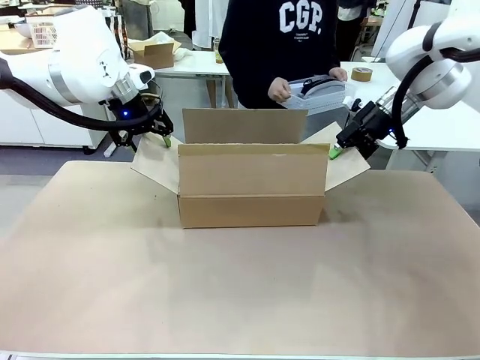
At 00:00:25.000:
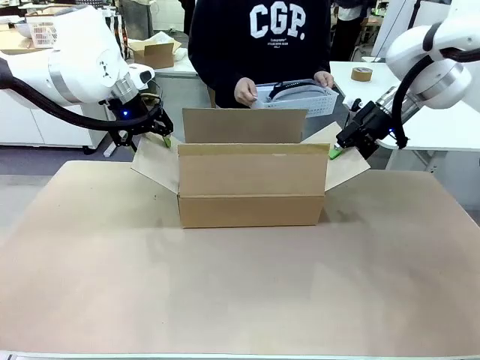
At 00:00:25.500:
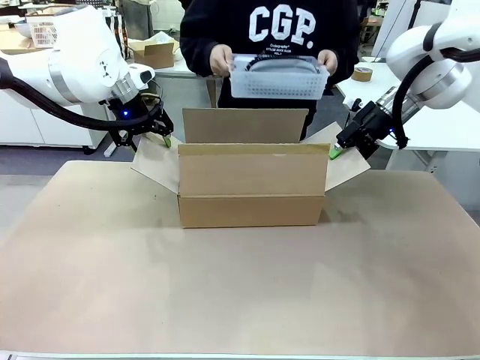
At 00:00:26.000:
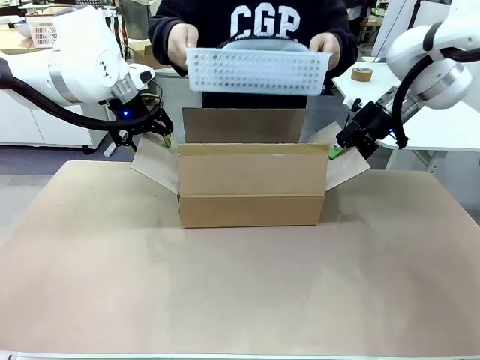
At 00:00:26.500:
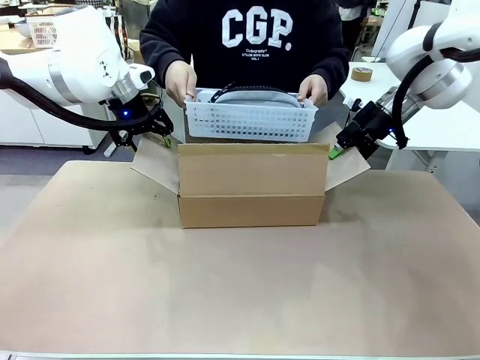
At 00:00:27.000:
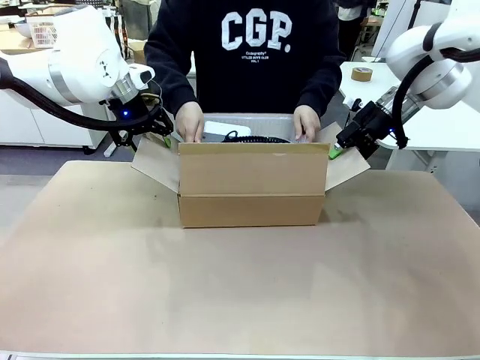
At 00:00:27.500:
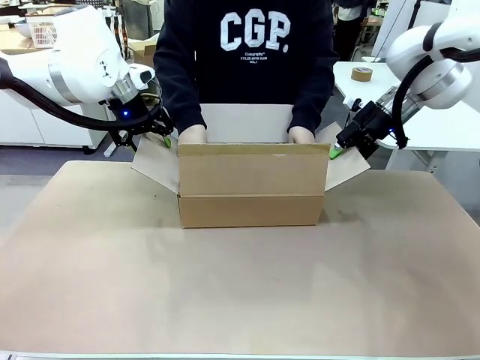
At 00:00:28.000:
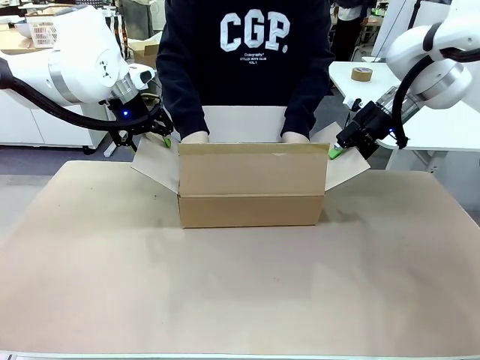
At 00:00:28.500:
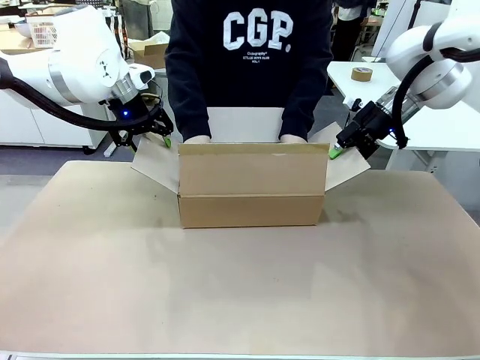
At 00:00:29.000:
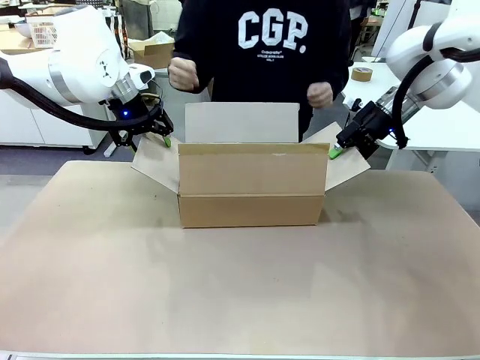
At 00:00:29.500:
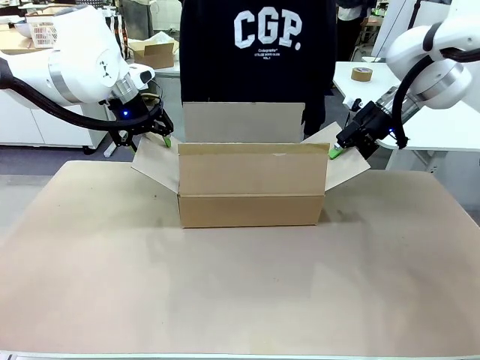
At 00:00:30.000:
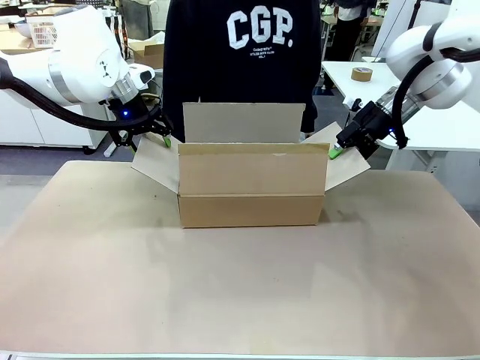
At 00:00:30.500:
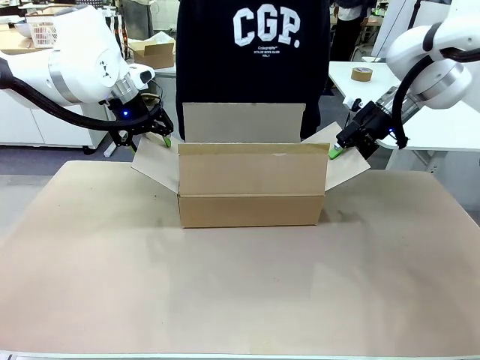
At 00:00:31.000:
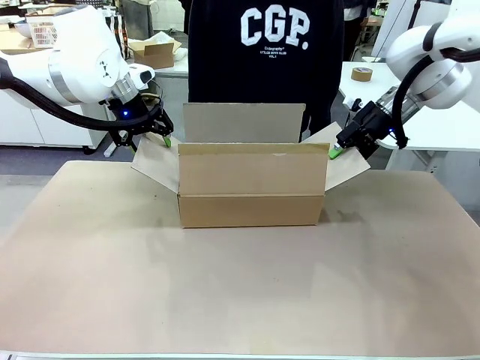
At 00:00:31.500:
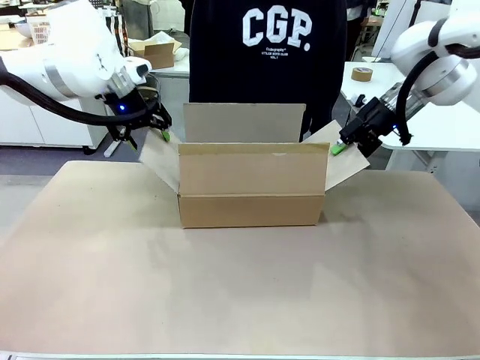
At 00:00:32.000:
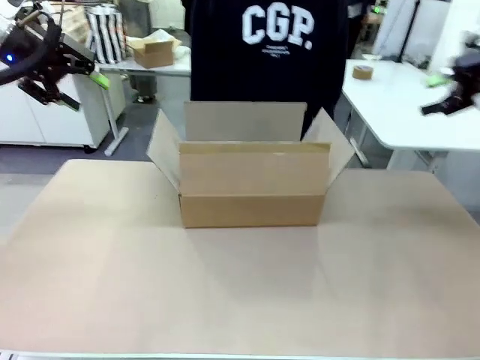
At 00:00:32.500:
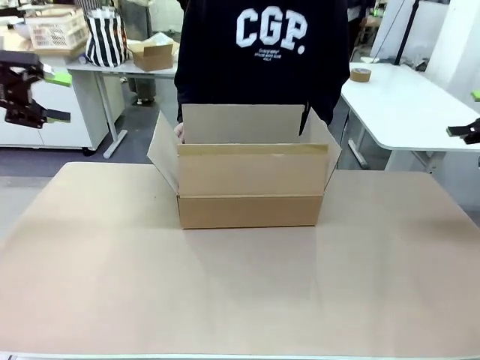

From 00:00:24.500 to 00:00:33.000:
Task: Pack the gift set into the box.
Robot: Lift both hands away from the flaps of the Package Box.
Person: The human picks up the organizing basket and places the organizing basket into the package box on the robot table.

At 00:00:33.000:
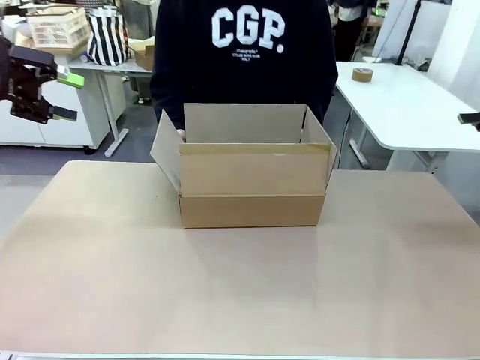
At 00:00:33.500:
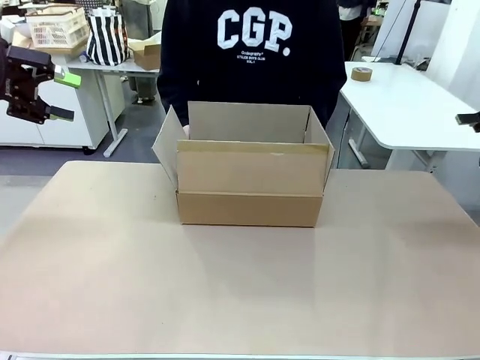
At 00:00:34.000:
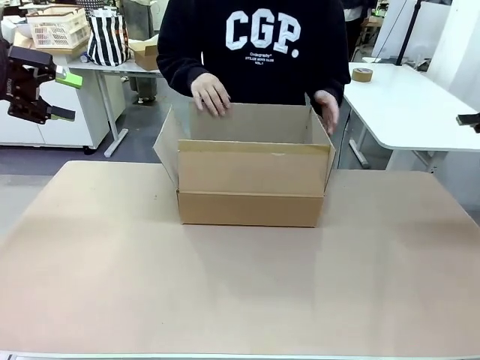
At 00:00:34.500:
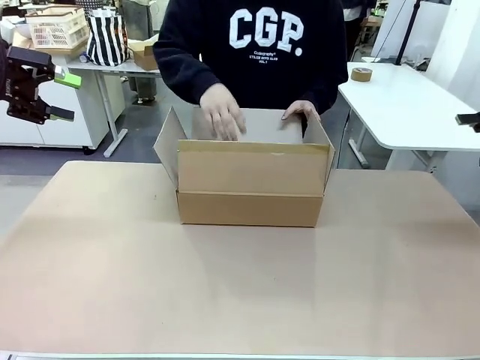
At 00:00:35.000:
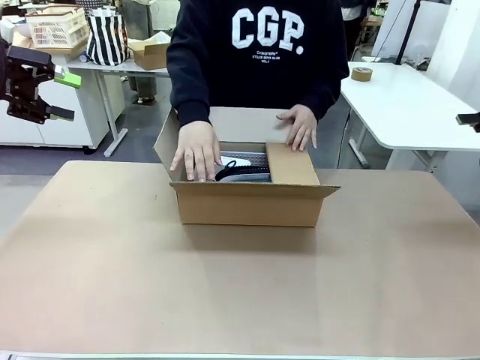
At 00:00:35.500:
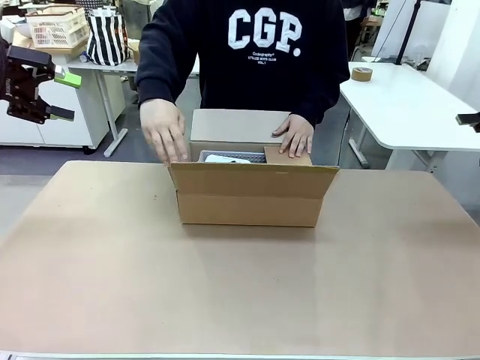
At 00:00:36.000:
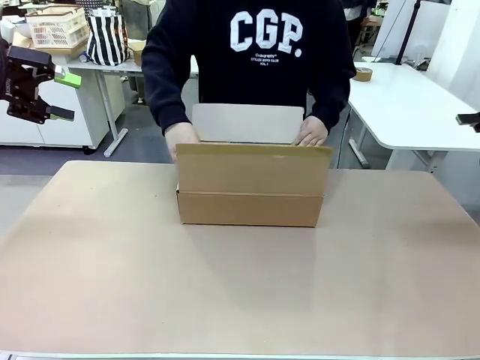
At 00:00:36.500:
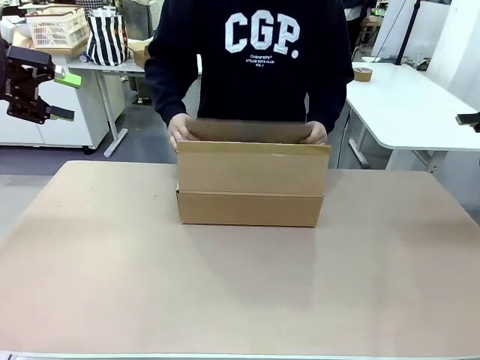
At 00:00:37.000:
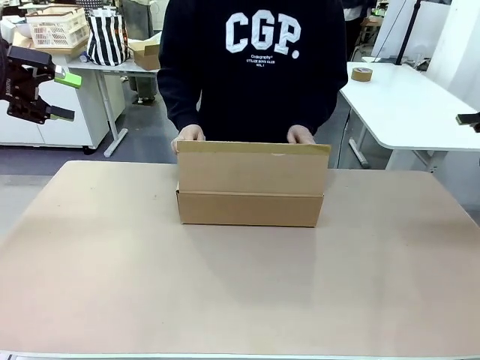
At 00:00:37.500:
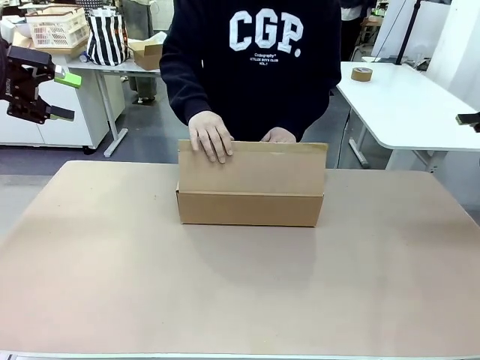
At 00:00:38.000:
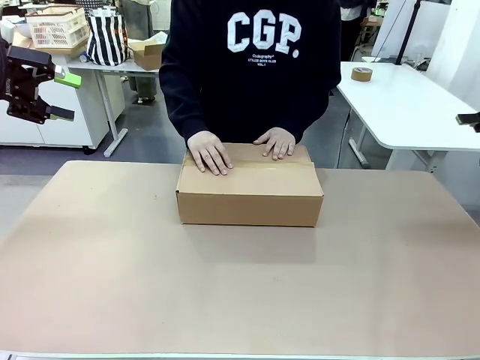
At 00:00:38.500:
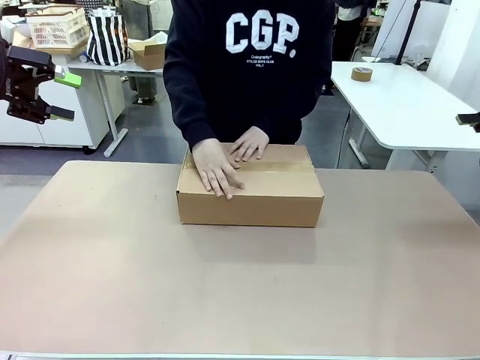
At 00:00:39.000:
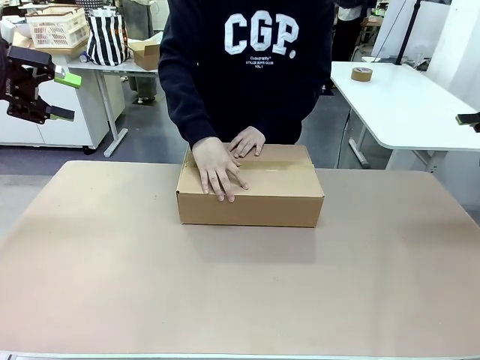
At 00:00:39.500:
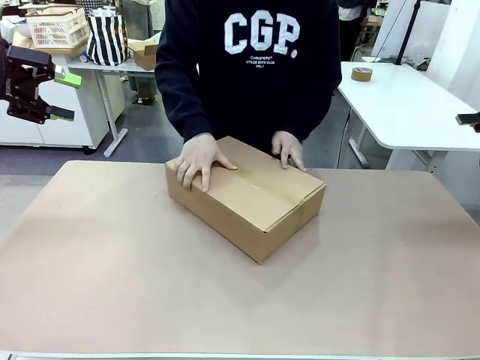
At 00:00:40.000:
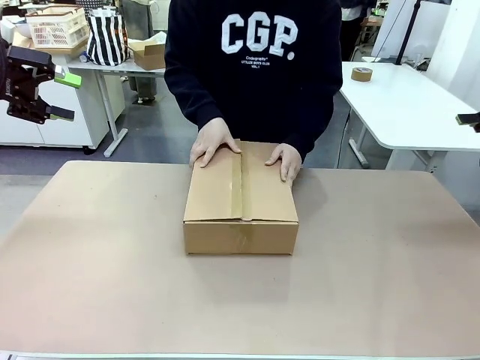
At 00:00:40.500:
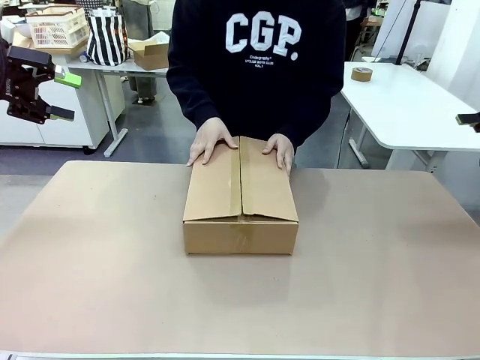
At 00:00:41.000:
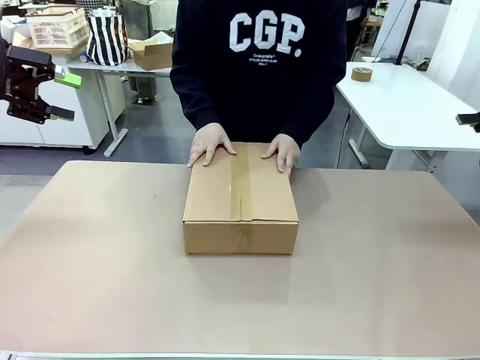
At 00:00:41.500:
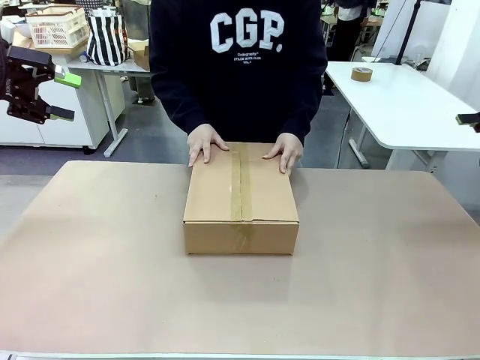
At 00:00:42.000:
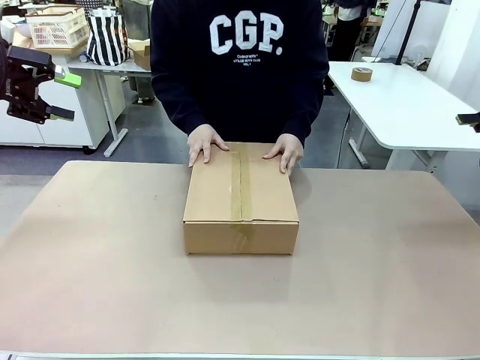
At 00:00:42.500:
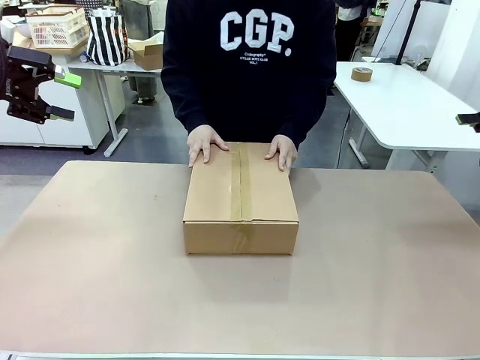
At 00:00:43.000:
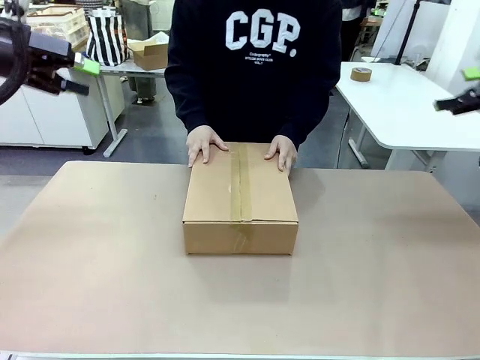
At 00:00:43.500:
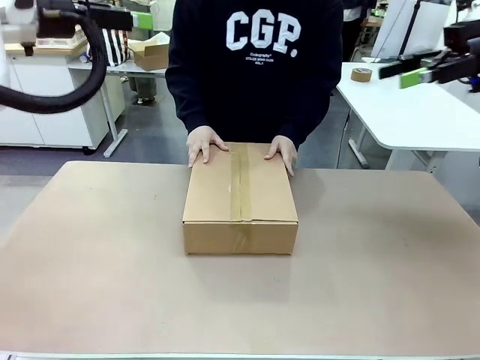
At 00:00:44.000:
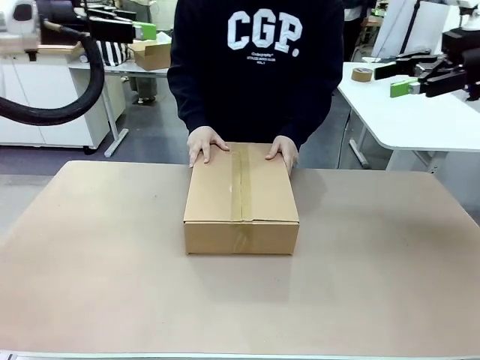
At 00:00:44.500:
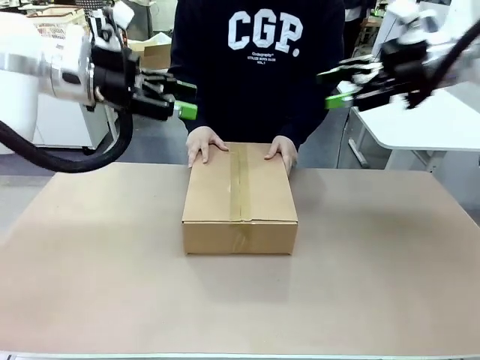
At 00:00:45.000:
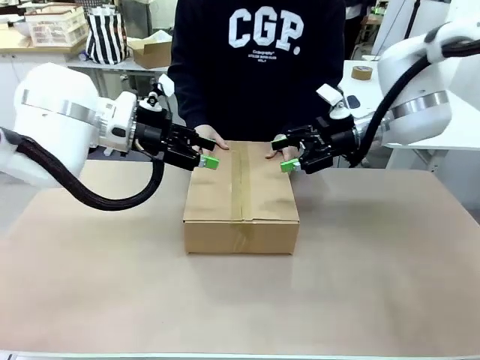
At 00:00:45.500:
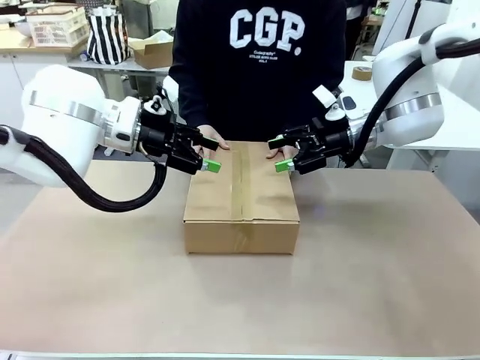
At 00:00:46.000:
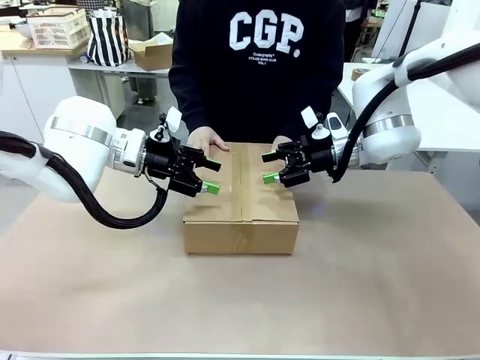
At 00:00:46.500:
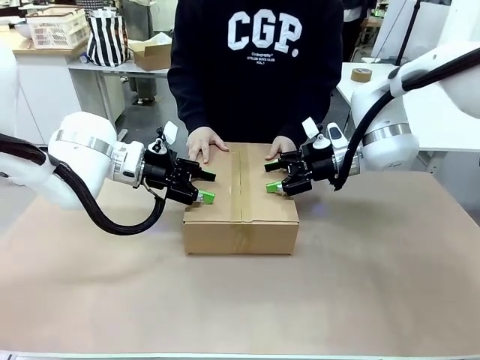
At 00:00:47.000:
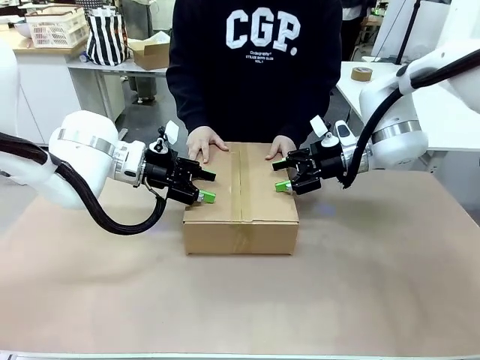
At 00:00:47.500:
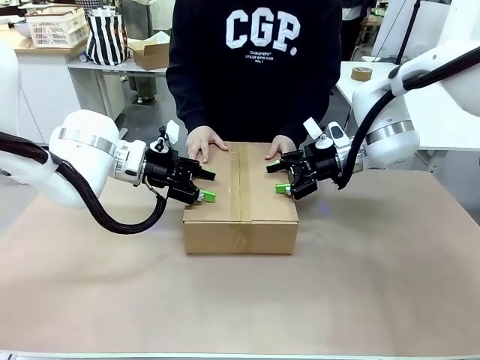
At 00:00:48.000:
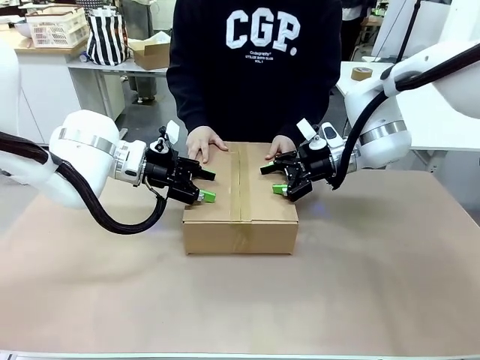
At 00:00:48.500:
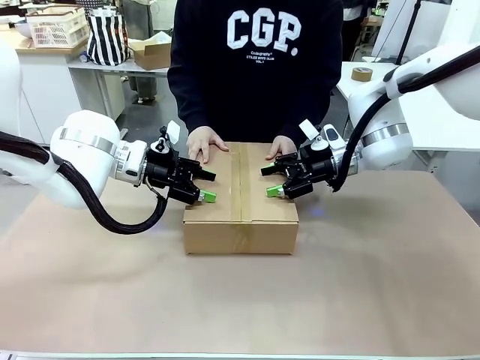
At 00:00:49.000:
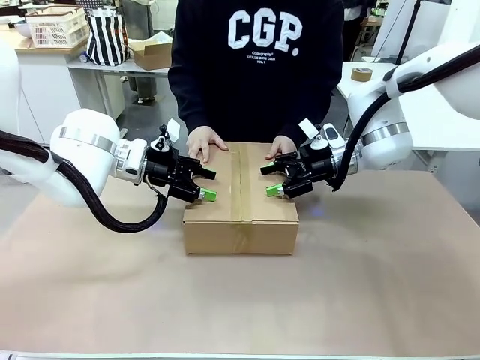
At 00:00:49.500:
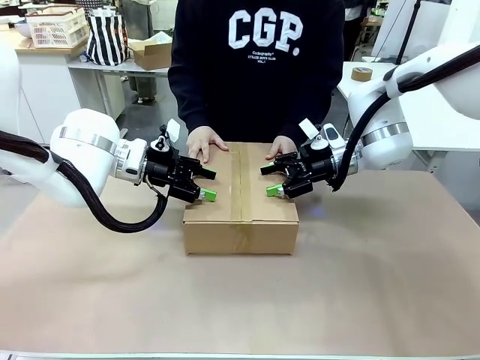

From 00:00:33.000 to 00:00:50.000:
Robot: Press and hold the closed box until the human finishes sealing it.
Person: The human closes the box and rotates the box by 90 degrees.
